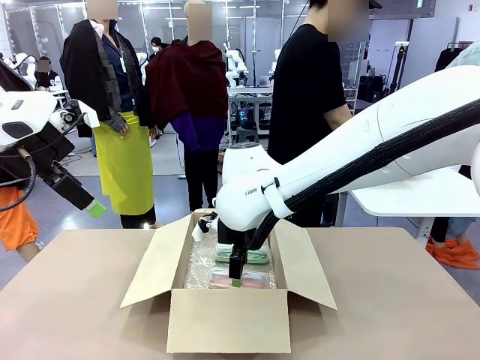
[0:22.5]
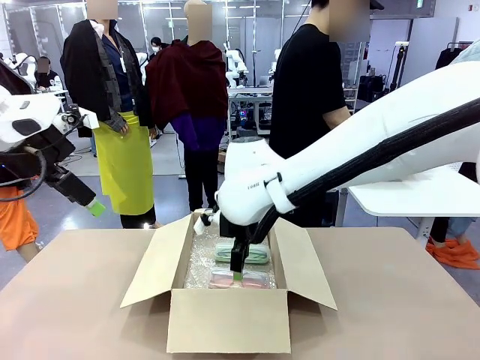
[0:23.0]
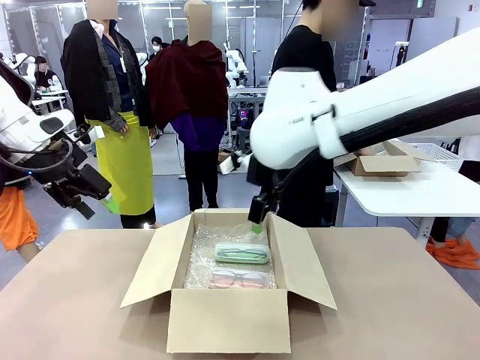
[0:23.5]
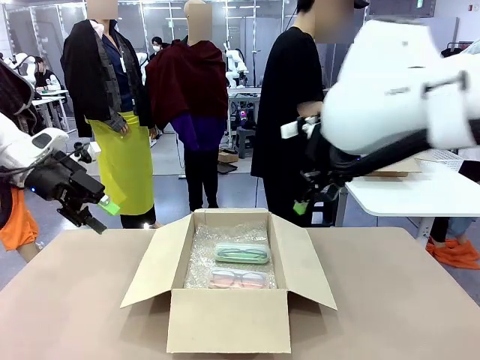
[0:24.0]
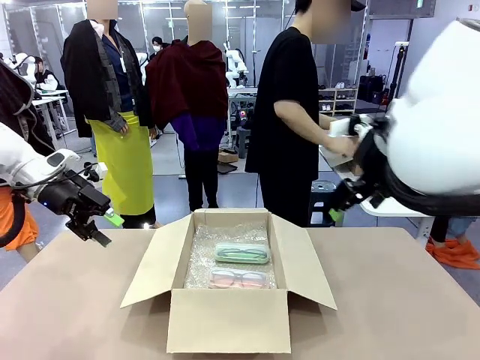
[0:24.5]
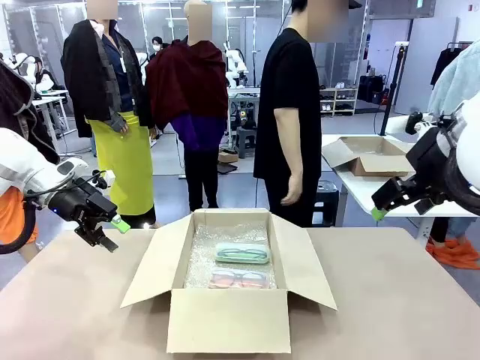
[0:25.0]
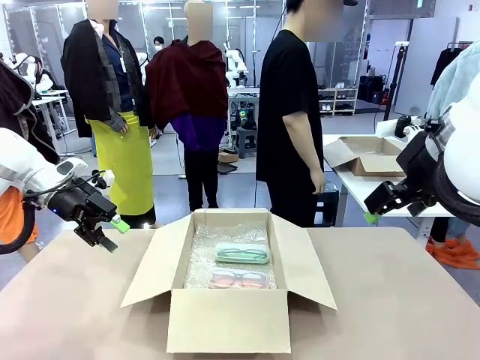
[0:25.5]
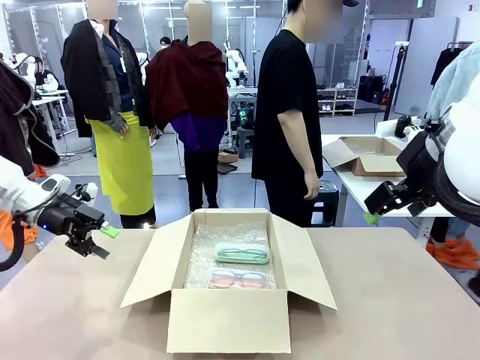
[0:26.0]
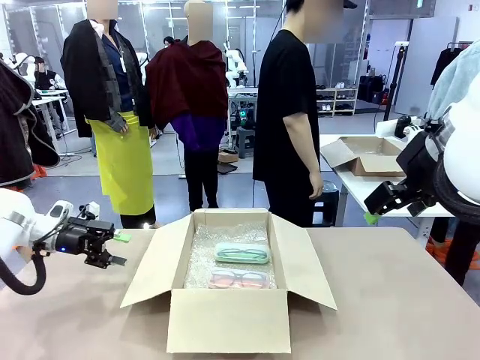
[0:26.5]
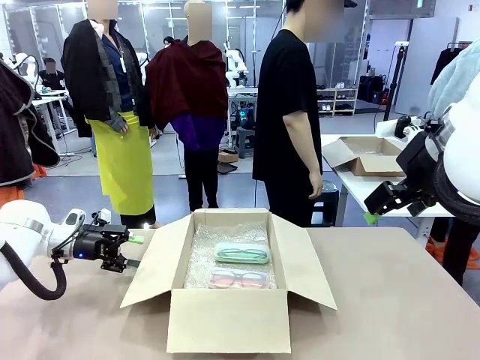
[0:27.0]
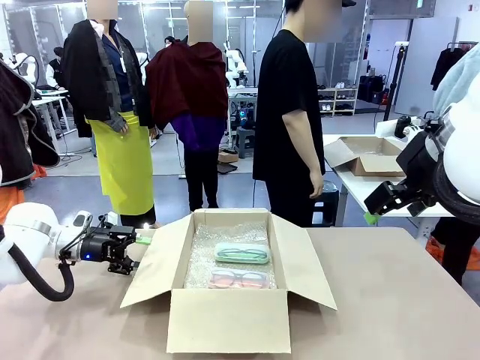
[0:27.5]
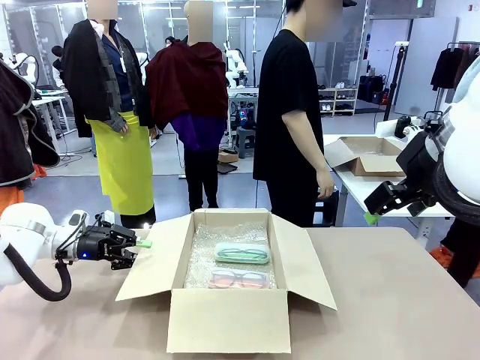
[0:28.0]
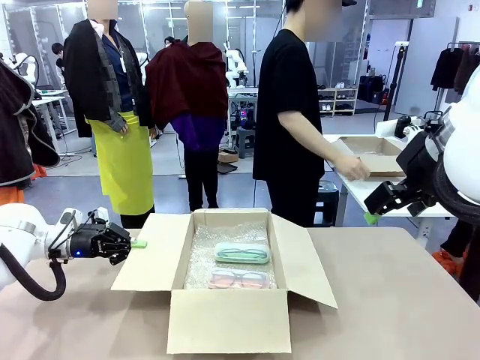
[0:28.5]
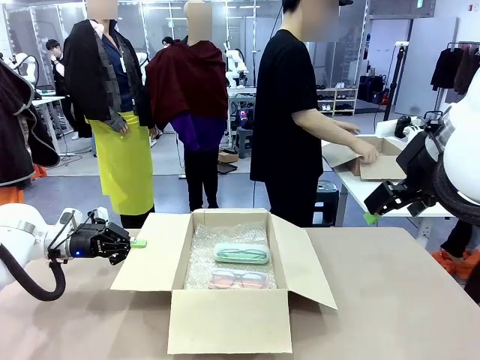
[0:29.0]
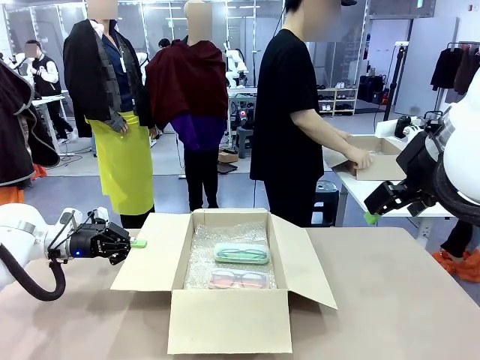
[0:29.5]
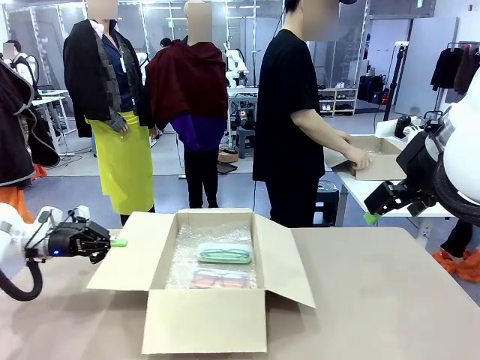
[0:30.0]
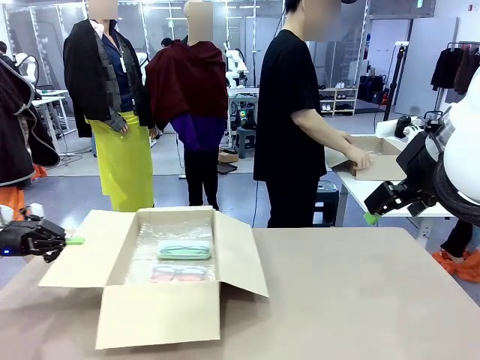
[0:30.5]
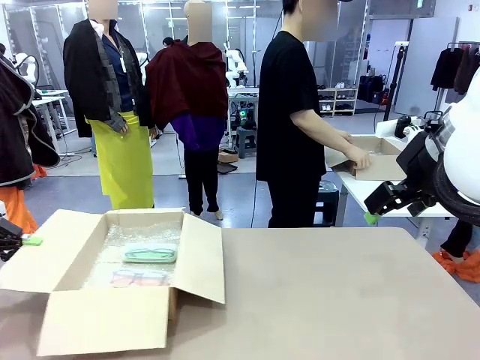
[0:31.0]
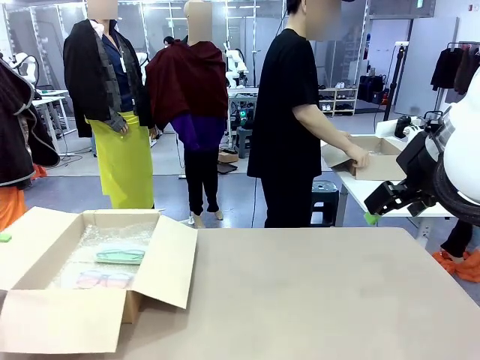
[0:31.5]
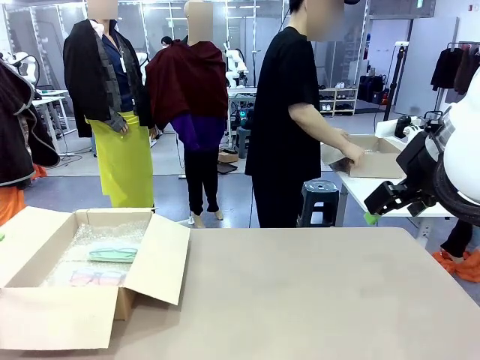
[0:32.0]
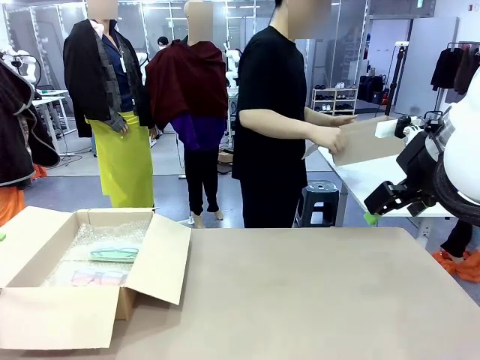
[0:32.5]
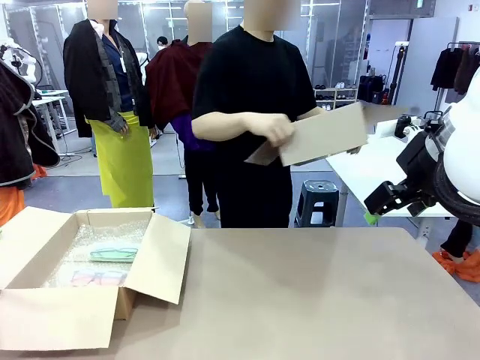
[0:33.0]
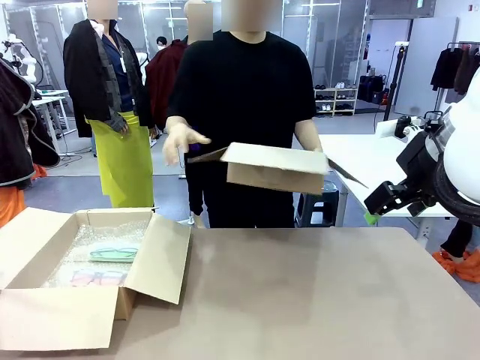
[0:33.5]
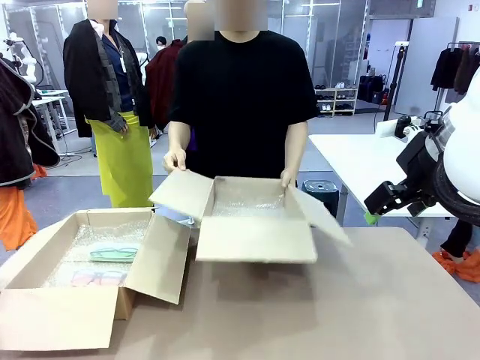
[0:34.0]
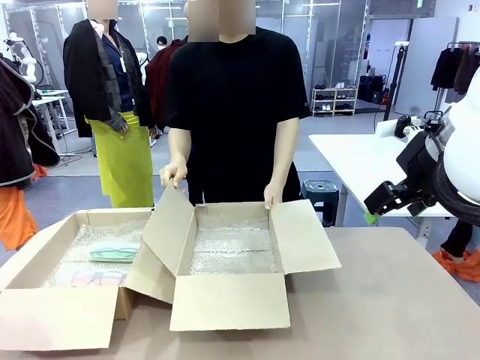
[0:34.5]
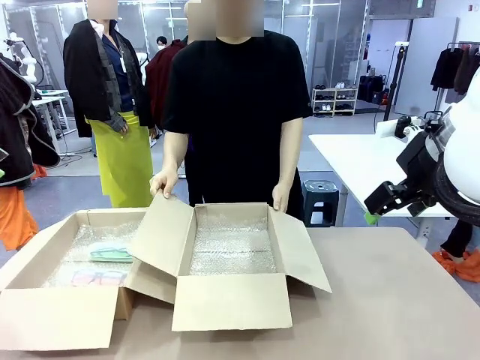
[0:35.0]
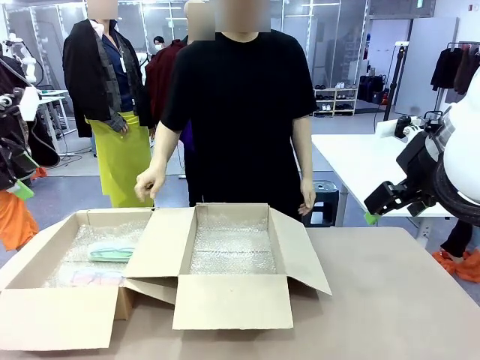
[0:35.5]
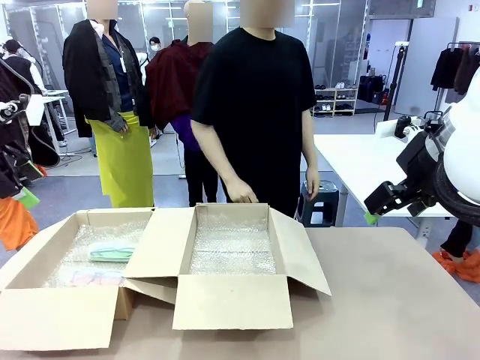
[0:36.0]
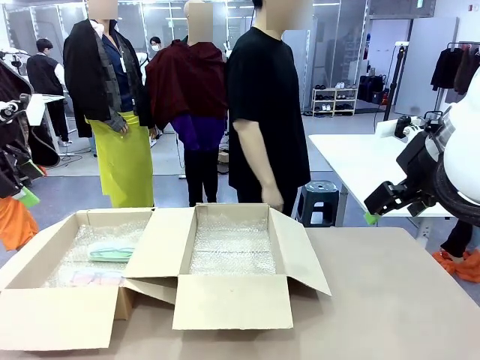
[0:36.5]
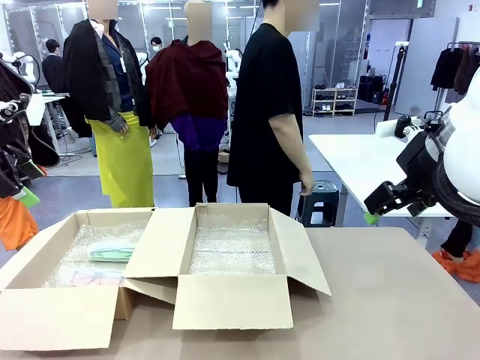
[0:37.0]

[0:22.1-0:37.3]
Task: Pack the glasses set securely to prepare it for shipping.
Robot: Position the Package Box on the left side of the table.
Person: Position the empty Package Box in the middle of the robot's table.

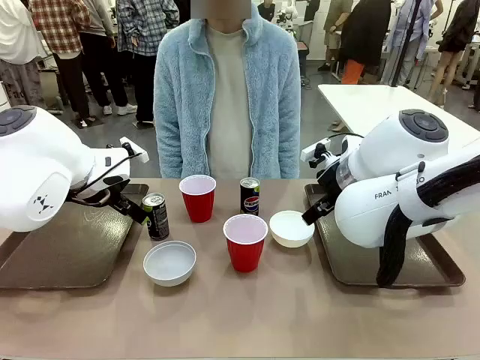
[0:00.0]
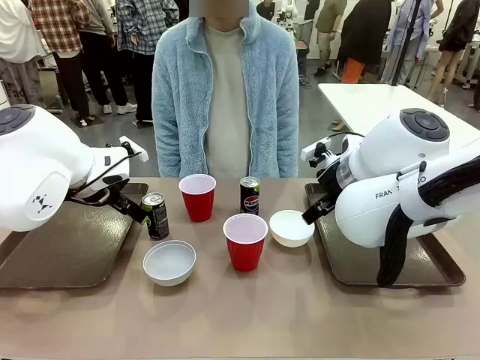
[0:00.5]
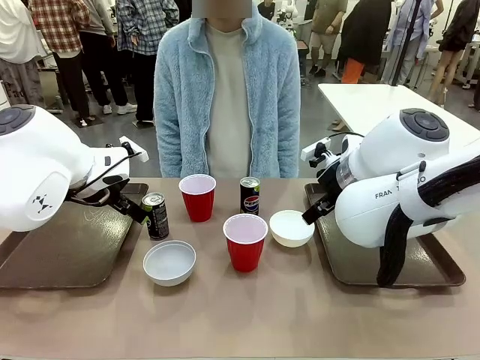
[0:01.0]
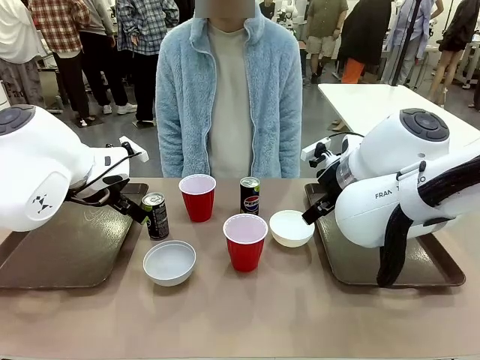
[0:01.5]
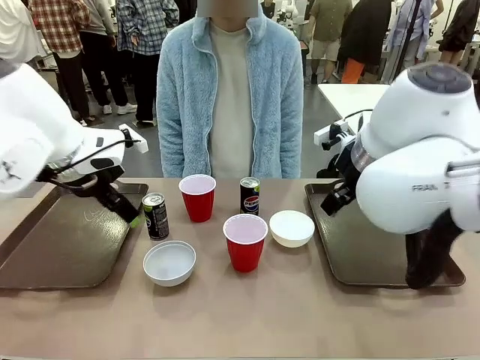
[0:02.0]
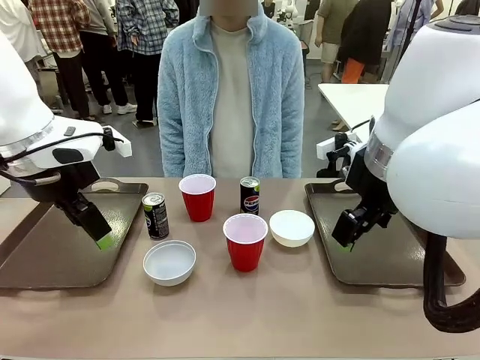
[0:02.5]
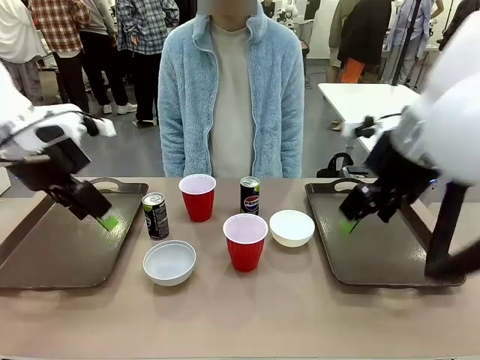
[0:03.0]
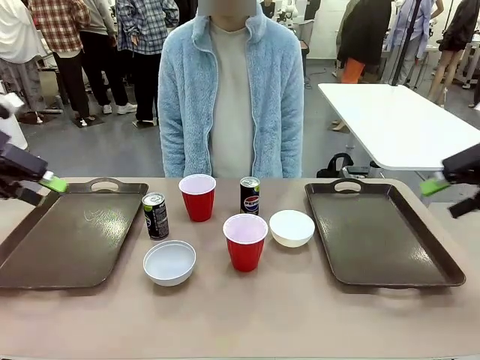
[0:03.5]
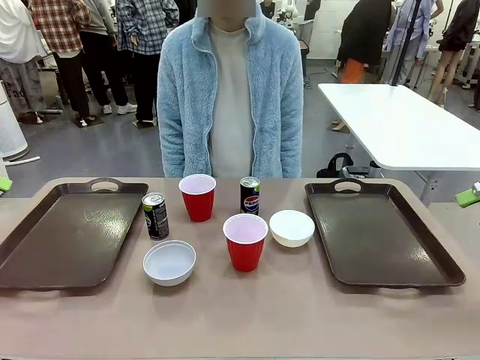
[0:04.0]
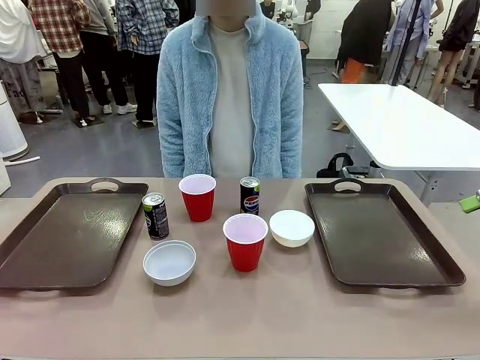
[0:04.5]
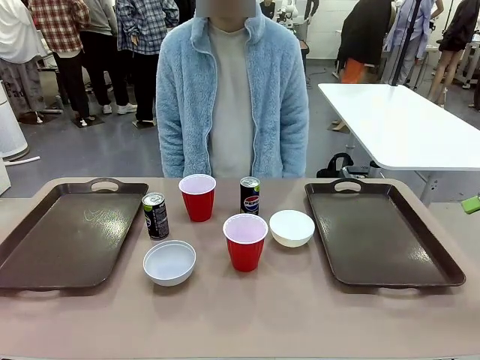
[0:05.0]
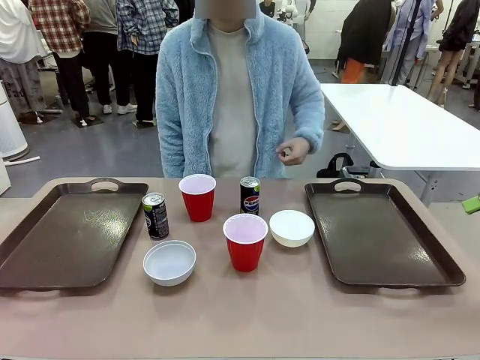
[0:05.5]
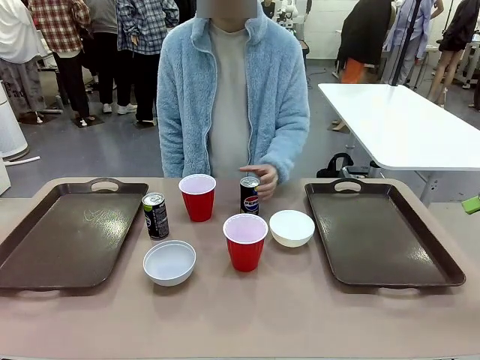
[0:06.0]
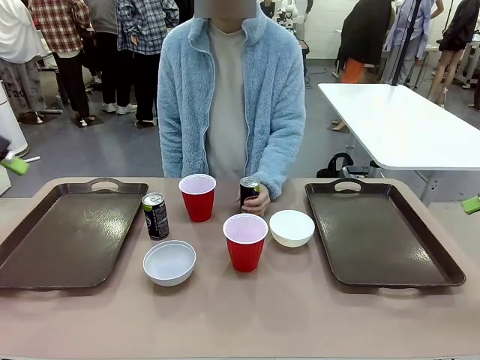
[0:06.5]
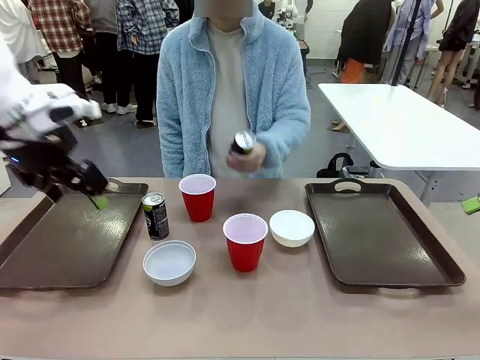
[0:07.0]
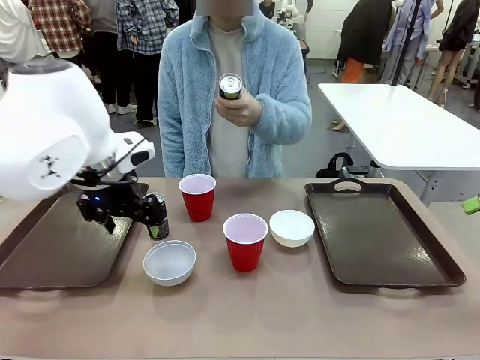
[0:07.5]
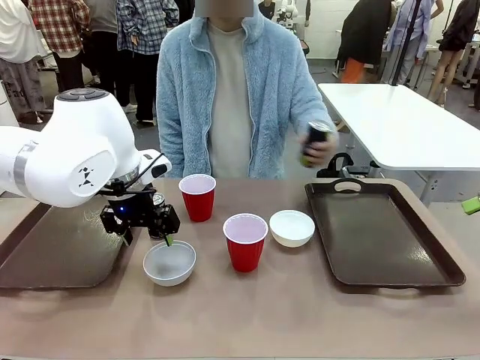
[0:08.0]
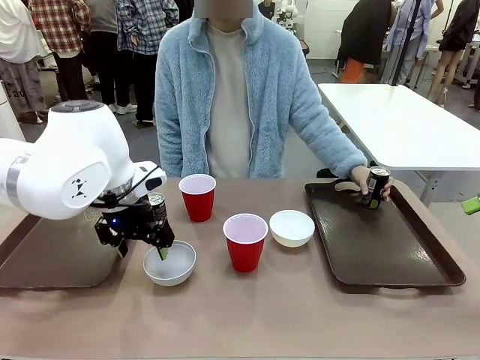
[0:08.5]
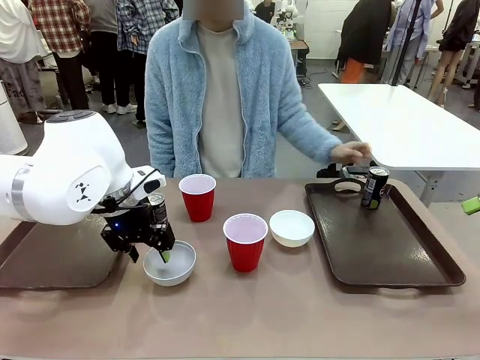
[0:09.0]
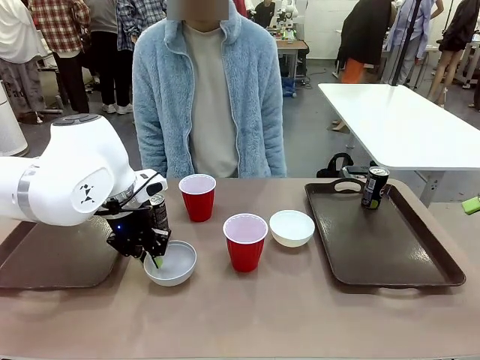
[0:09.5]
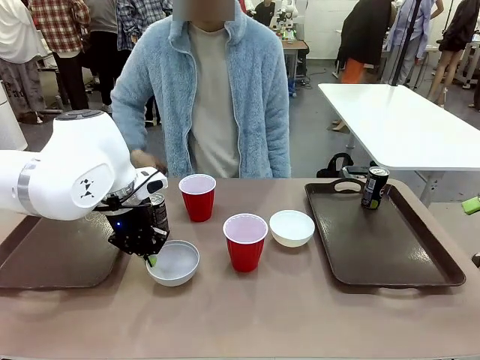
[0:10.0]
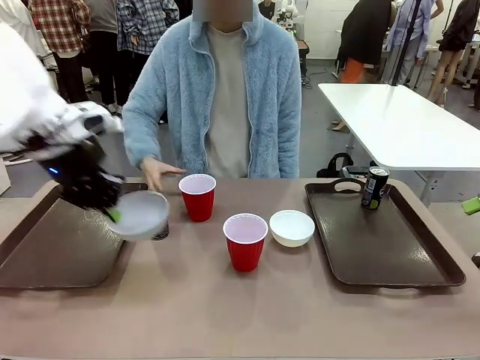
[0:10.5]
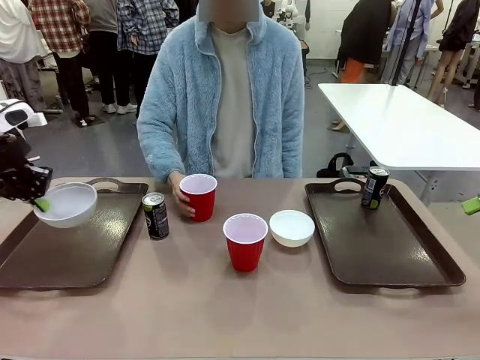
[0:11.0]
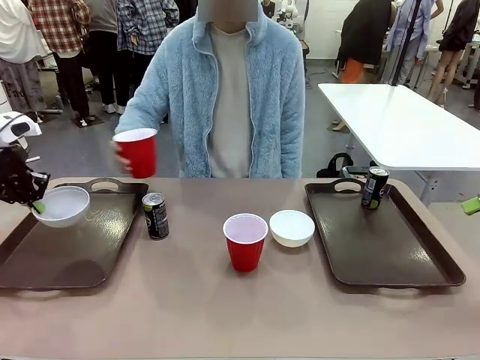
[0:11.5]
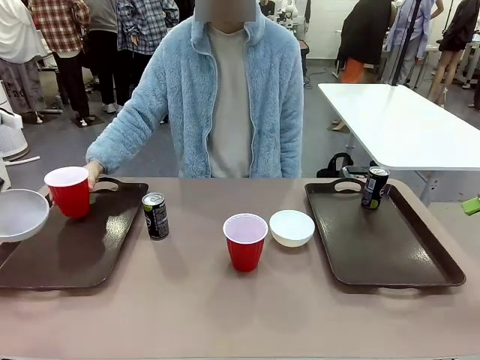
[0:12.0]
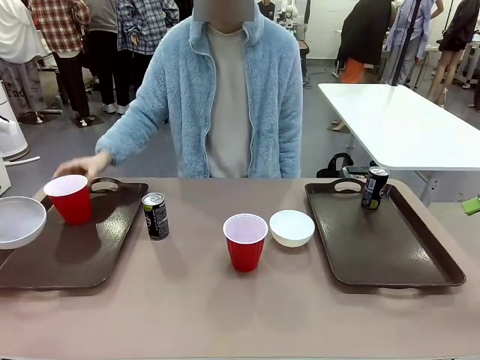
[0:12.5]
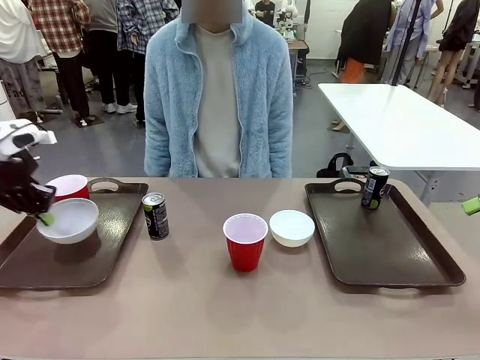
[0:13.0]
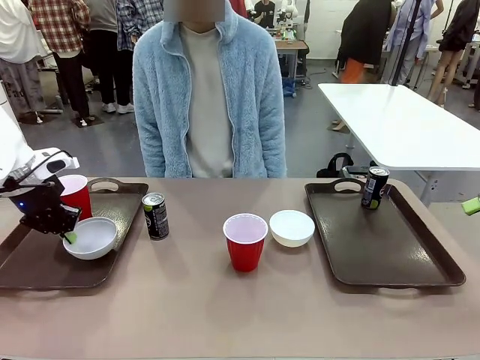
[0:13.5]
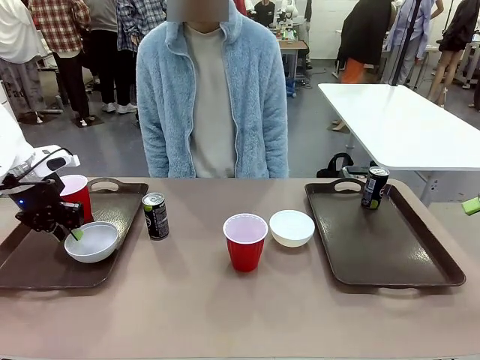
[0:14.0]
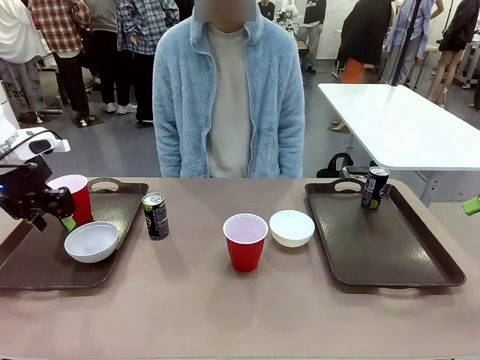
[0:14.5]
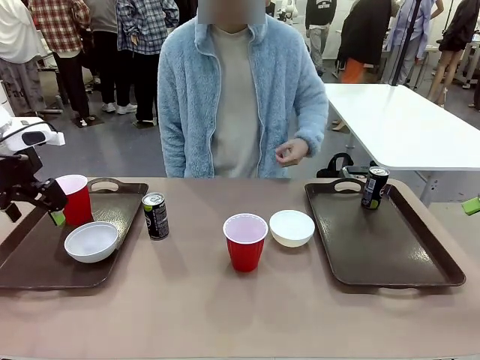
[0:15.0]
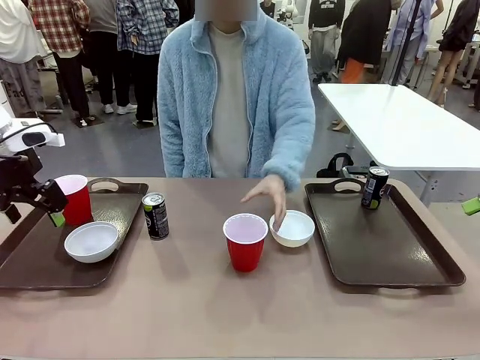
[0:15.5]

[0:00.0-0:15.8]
Task: Prepare tableware on both trays.
Robot: Pick up a Picnic Bowl from the table and place it on a Handle tray.
Person: Pick up a can or cup and place it on the tray.
